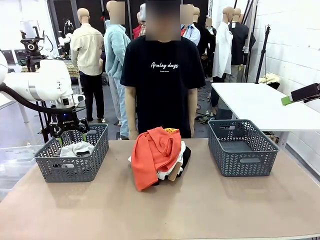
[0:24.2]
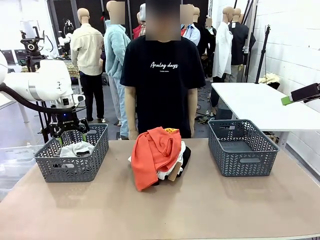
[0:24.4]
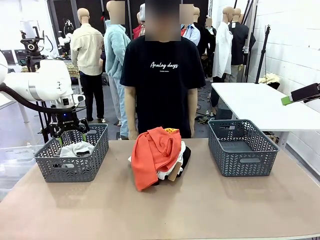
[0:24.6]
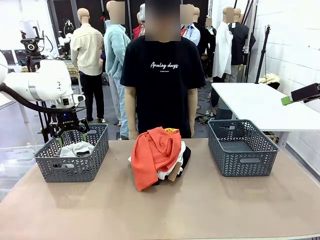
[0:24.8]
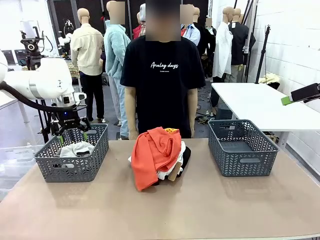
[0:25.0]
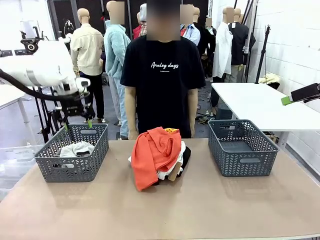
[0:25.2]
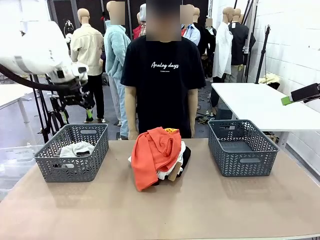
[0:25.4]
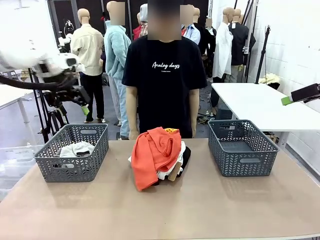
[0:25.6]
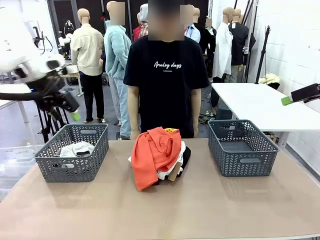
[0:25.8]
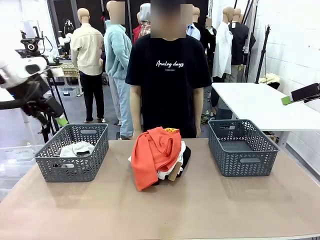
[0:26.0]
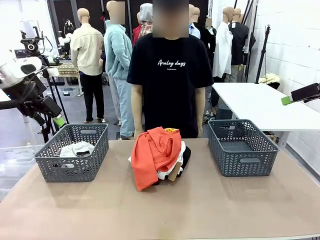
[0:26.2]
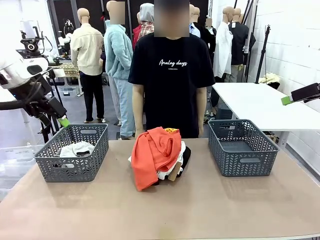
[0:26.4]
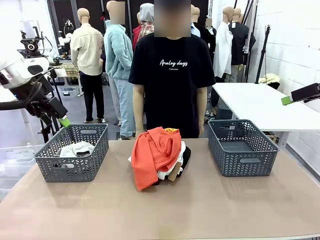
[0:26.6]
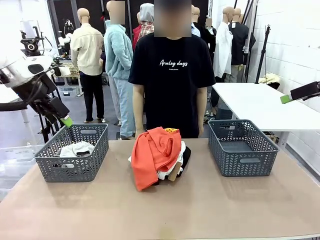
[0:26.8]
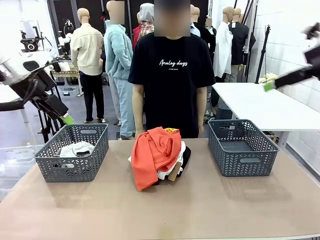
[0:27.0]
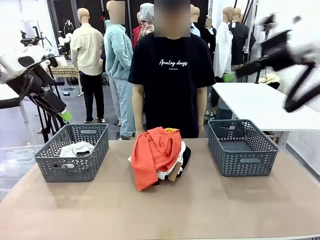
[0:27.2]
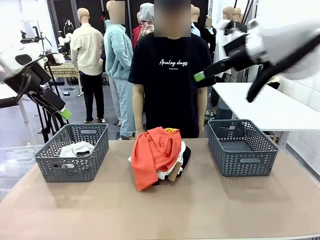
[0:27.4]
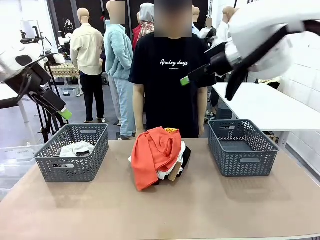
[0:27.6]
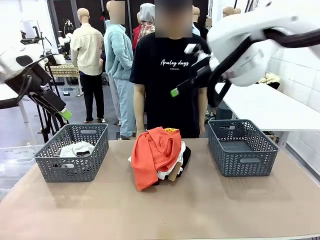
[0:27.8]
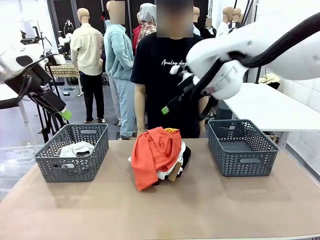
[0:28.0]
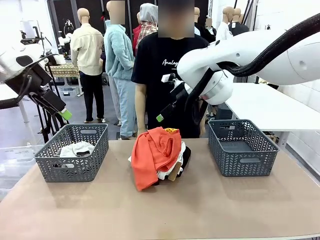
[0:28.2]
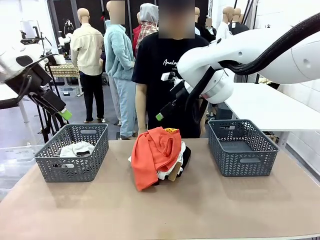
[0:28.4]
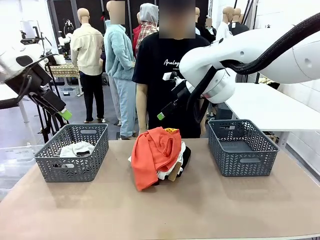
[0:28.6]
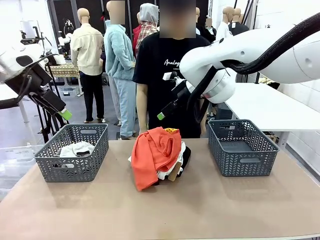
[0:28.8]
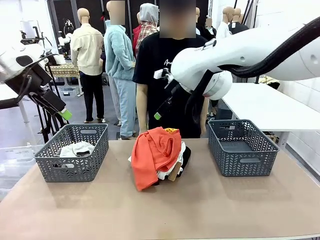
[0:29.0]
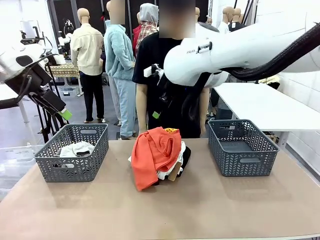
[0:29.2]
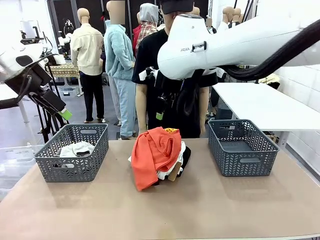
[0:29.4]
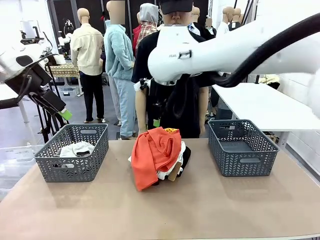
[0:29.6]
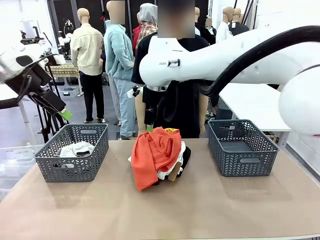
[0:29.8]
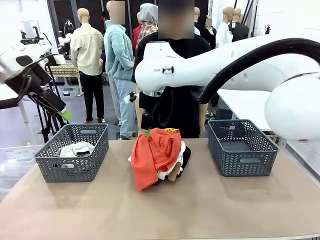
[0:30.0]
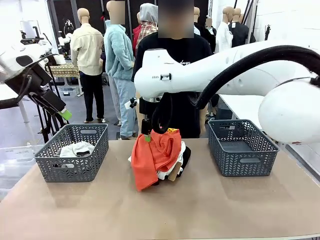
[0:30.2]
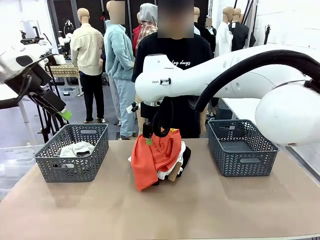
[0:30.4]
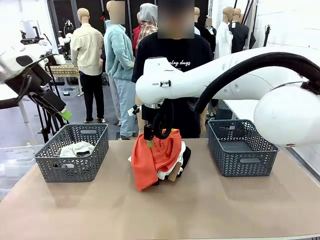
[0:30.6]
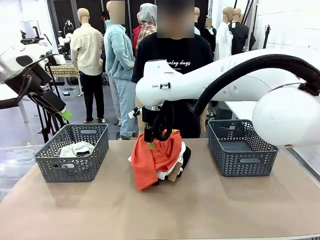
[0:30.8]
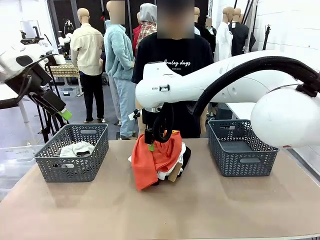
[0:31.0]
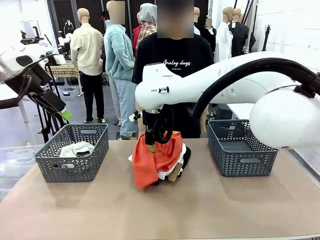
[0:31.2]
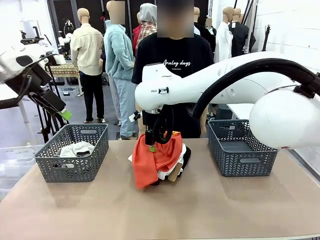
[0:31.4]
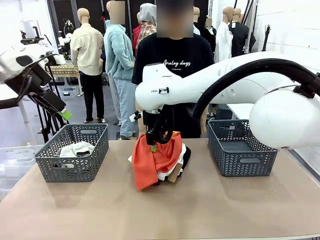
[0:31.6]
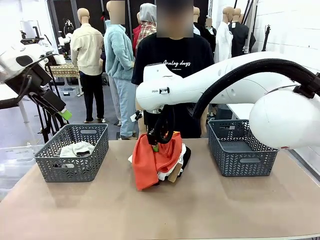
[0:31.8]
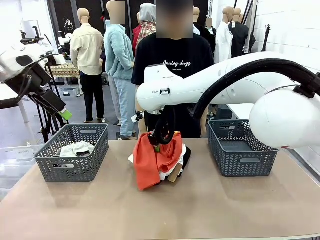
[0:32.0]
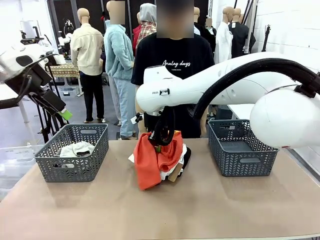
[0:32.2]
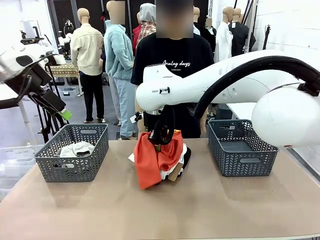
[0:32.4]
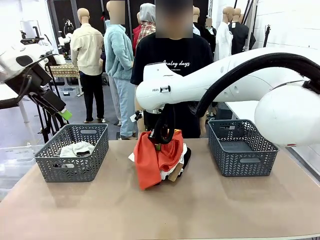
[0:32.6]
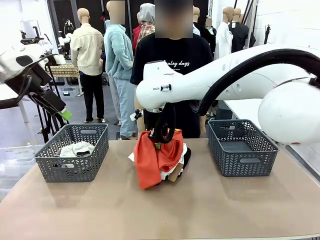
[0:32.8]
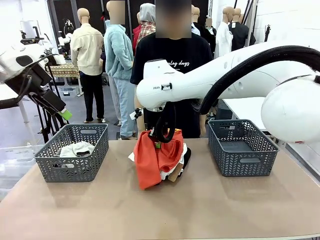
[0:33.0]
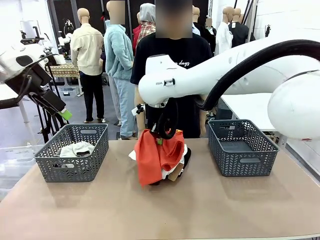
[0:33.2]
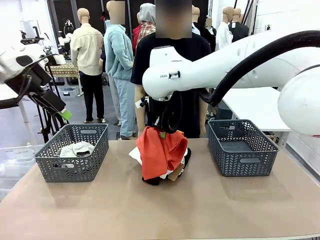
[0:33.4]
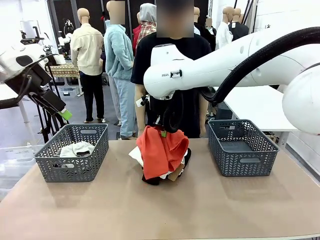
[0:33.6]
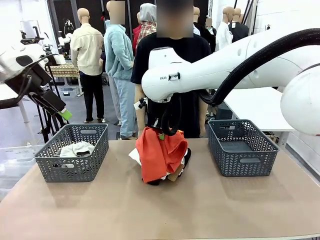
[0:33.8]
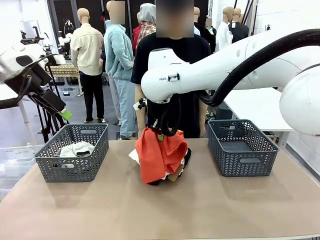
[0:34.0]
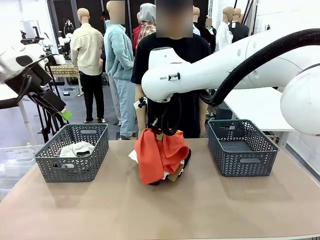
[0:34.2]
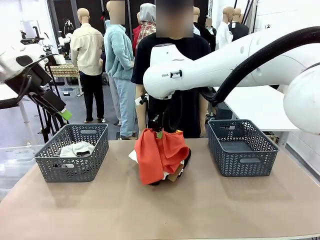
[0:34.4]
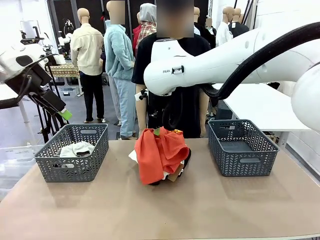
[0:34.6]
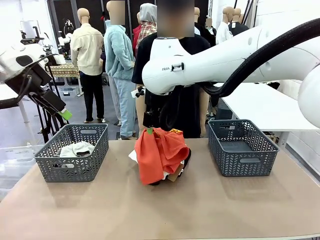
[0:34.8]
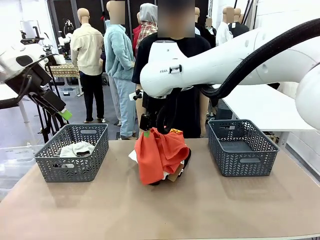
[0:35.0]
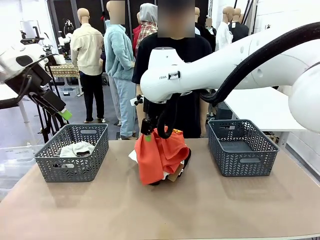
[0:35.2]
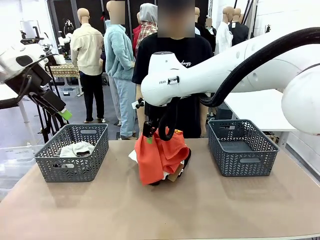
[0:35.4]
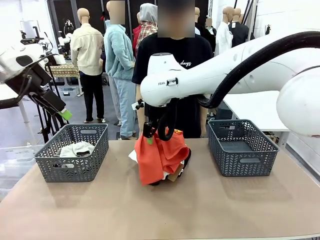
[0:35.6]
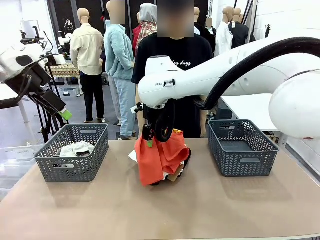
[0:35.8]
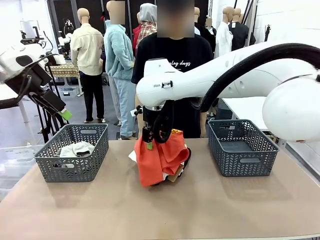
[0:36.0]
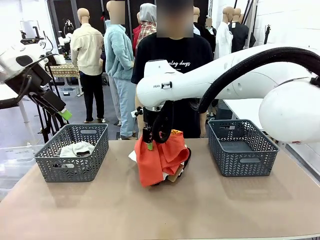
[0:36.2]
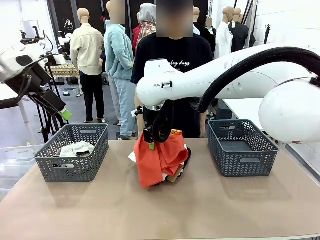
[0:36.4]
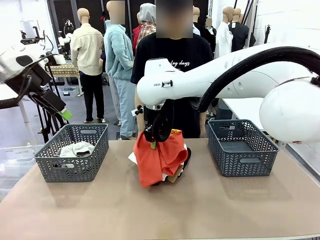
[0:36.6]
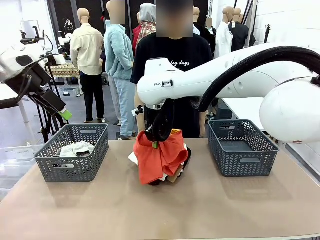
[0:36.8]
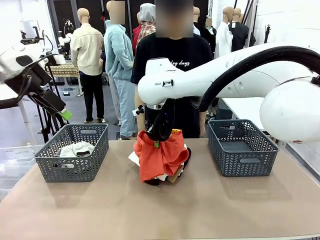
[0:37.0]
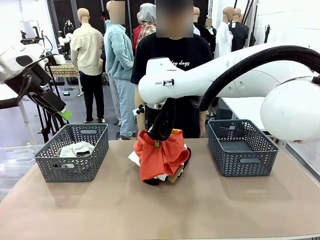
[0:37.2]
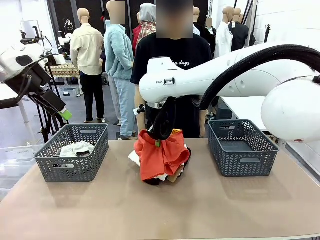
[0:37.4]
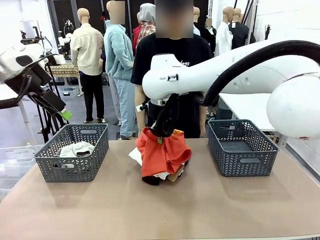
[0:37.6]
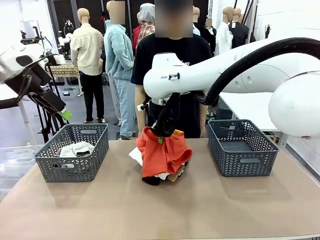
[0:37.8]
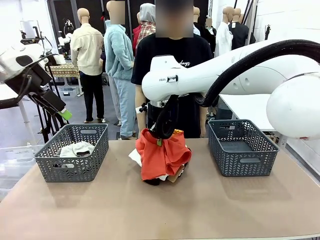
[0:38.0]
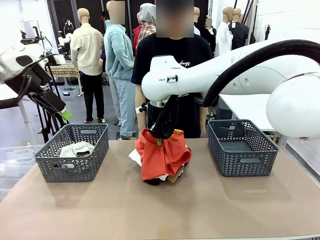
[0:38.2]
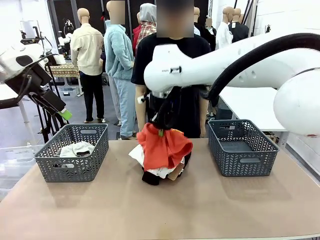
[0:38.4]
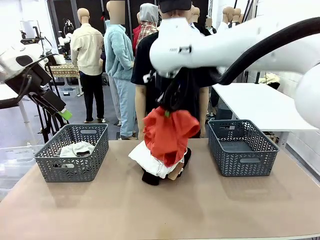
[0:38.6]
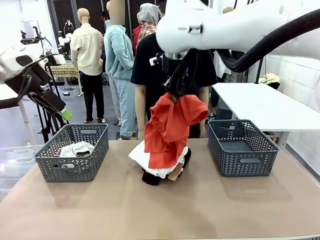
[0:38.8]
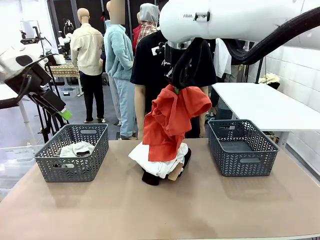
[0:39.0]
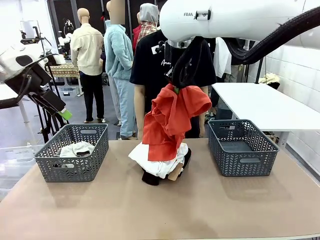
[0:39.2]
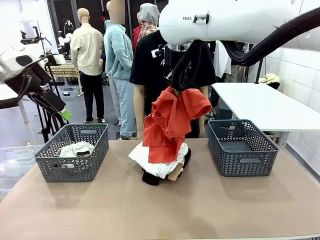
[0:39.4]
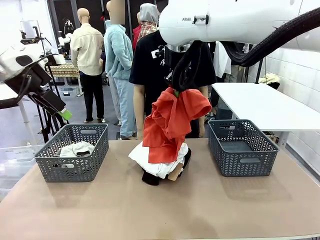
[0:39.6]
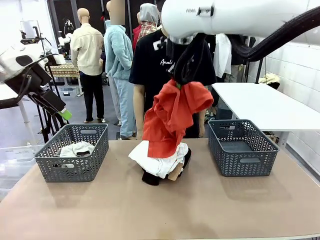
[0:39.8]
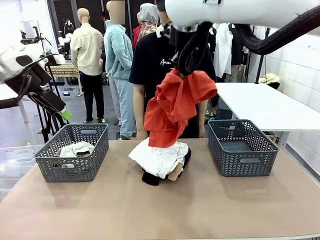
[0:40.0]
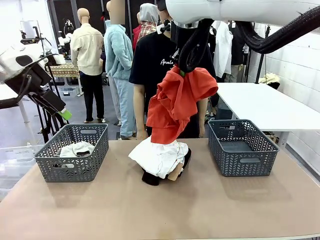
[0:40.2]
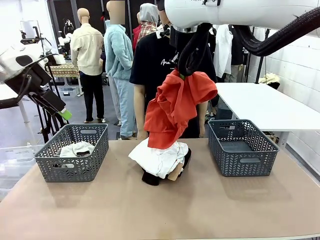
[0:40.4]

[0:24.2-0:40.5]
Task: Sort the tops and bottoms.
Robot: Lift clothes from the center of the table with your right hand.

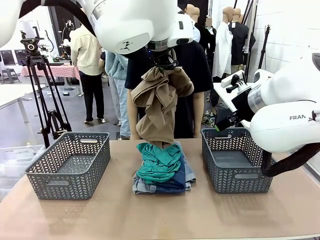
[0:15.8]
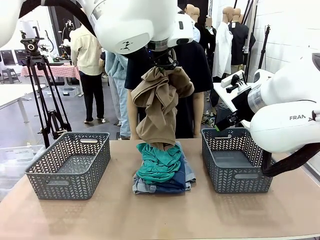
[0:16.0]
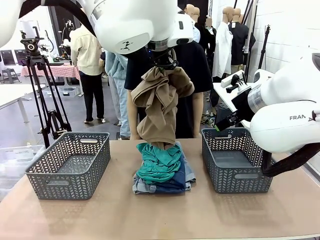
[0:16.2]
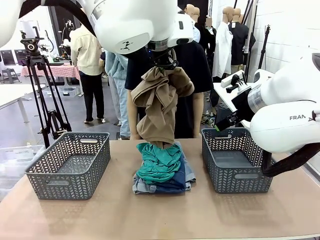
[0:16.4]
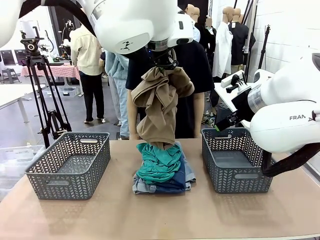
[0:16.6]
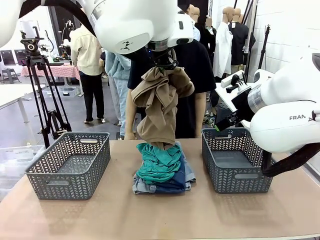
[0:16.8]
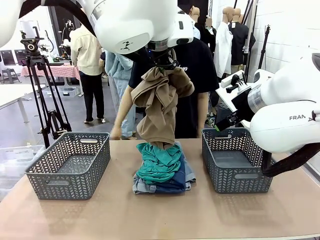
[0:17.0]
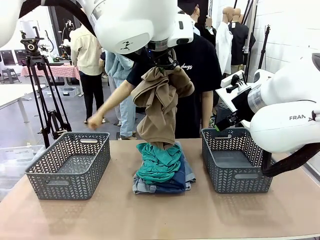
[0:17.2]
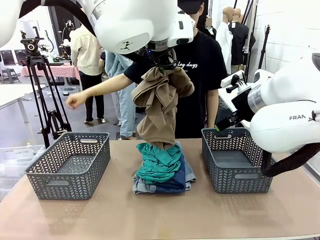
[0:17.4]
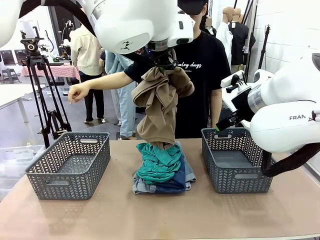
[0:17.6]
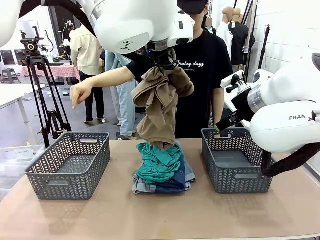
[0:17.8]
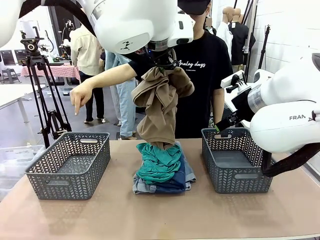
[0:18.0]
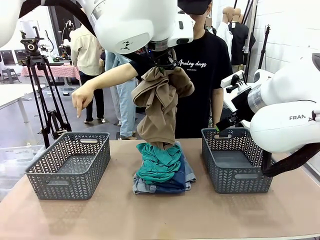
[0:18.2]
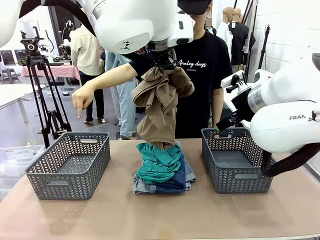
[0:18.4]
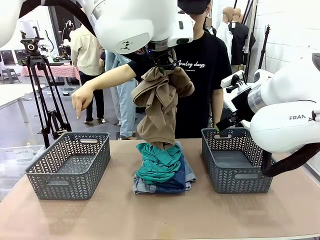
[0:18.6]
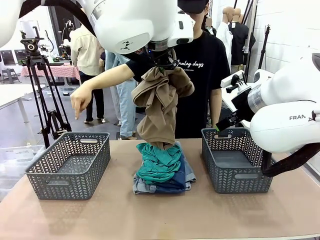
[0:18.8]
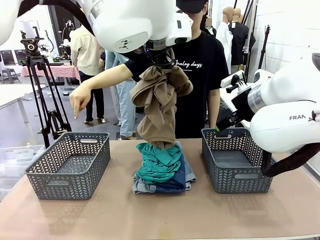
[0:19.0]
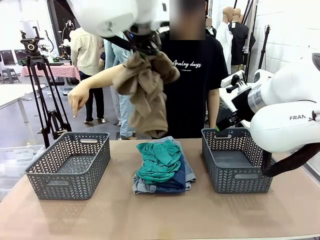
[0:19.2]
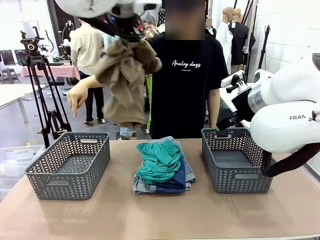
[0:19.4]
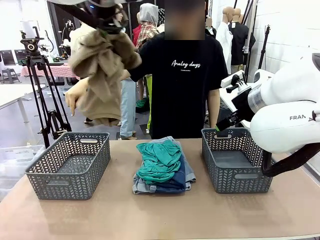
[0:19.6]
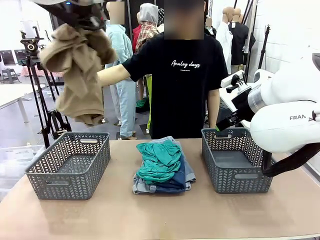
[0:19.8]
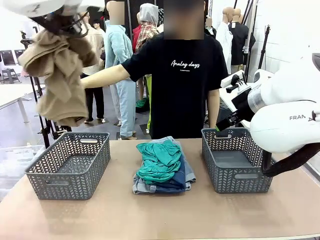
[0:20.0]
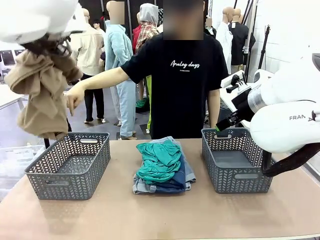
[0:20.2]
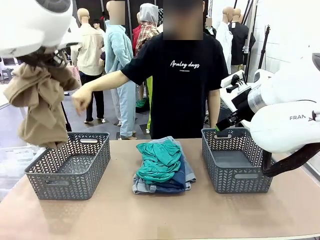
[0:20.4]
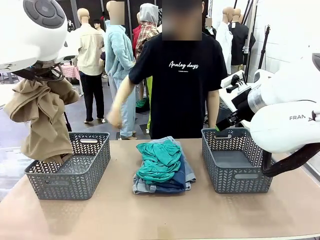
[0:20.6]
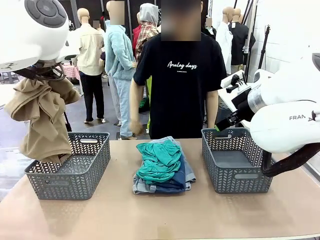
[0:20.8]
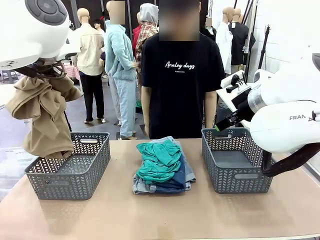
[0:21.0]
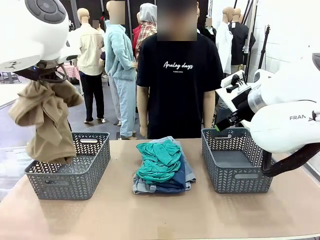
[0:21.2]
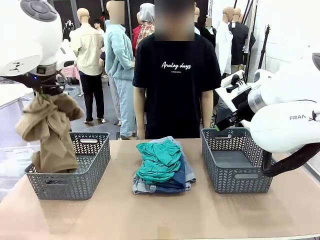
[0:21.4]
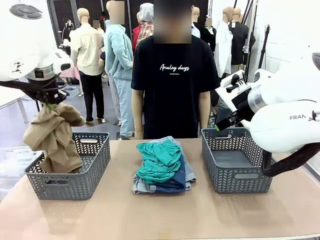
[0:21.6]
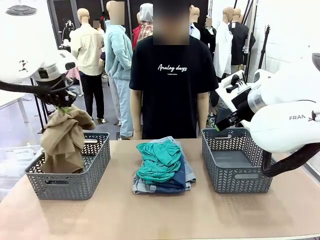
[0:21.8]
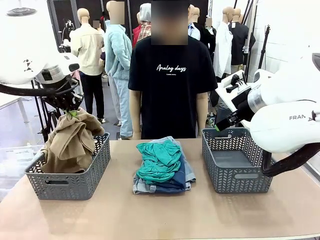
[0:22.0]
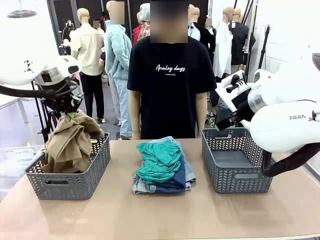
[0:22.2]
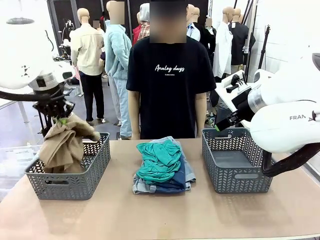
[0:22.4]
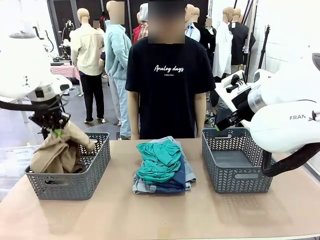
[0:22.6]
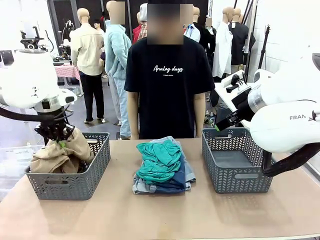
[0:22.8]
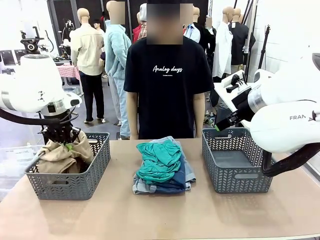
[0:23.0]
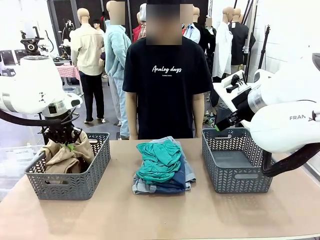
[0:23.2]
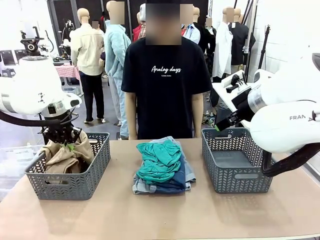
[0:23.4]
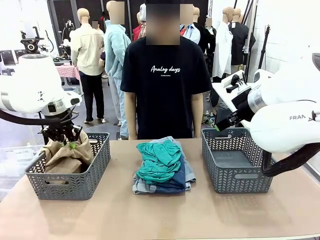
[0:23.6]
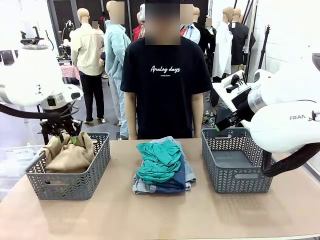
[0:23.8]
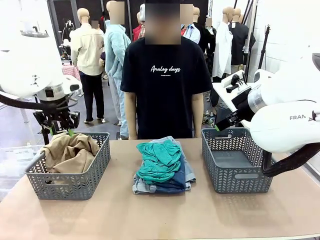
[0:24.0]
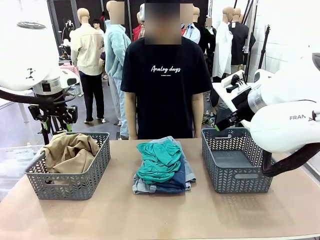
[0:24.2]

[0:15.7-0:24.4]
Task: Sort the tops and bottoms.
Robot: Sort the clothes according to human instructions.
